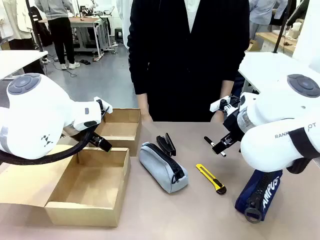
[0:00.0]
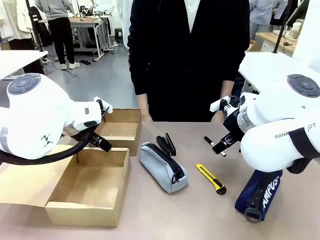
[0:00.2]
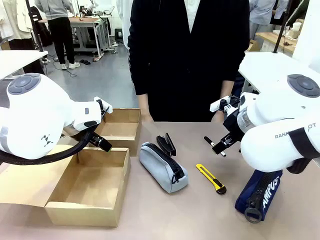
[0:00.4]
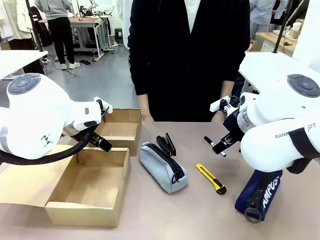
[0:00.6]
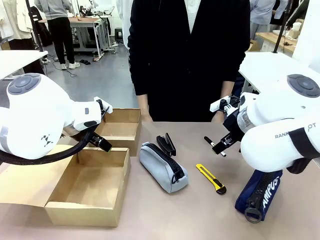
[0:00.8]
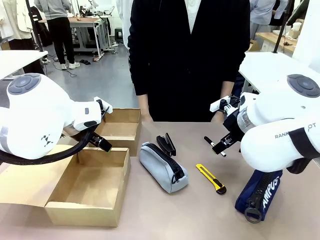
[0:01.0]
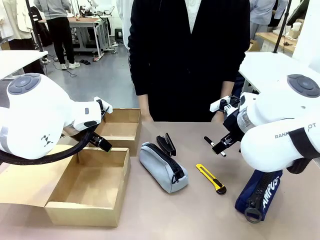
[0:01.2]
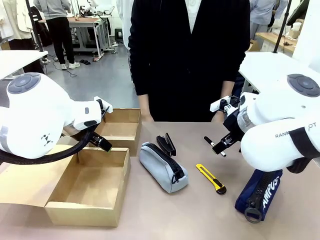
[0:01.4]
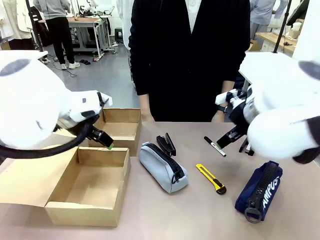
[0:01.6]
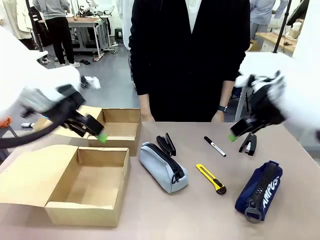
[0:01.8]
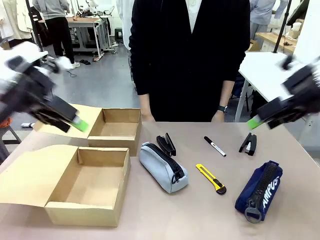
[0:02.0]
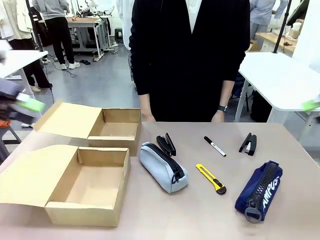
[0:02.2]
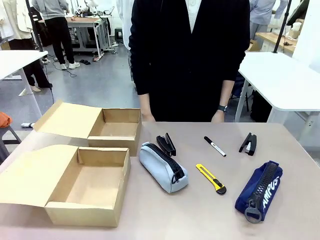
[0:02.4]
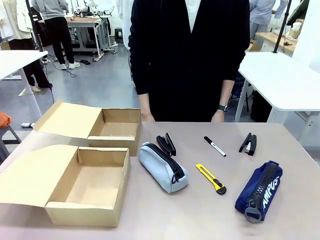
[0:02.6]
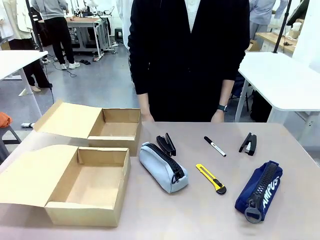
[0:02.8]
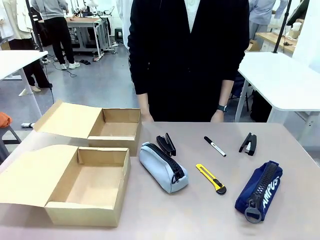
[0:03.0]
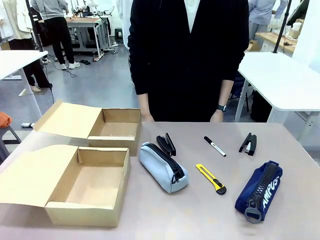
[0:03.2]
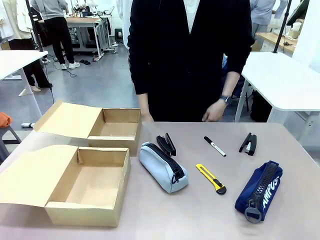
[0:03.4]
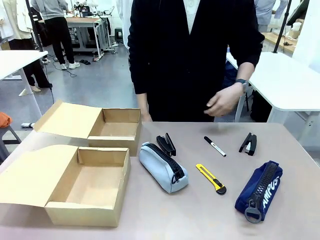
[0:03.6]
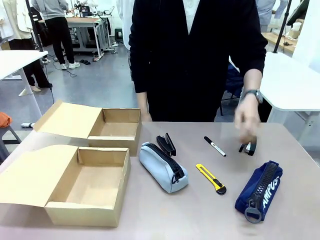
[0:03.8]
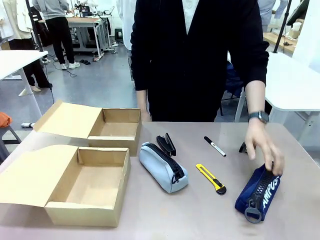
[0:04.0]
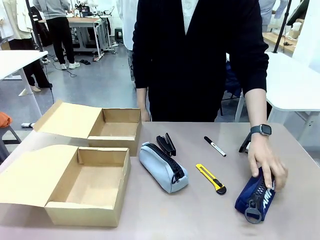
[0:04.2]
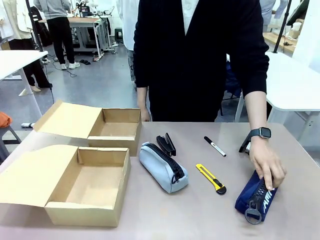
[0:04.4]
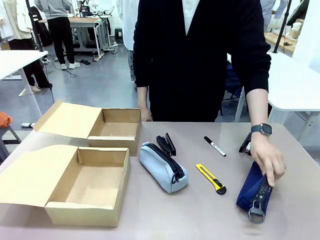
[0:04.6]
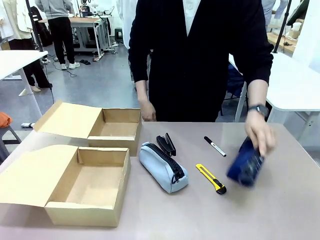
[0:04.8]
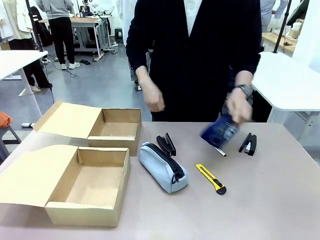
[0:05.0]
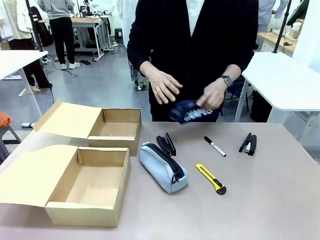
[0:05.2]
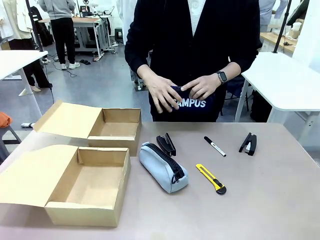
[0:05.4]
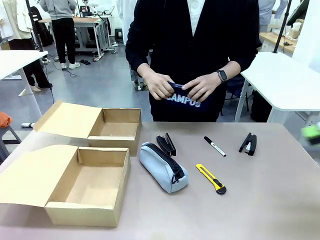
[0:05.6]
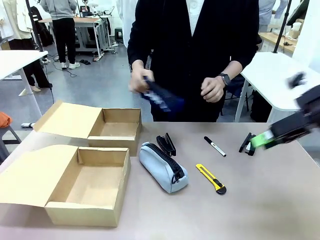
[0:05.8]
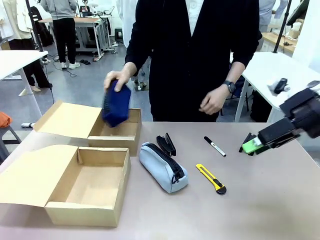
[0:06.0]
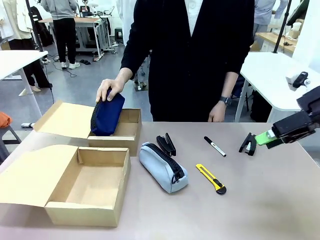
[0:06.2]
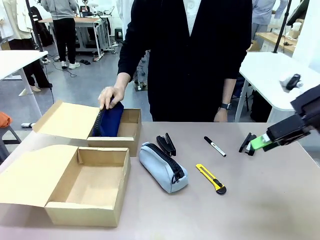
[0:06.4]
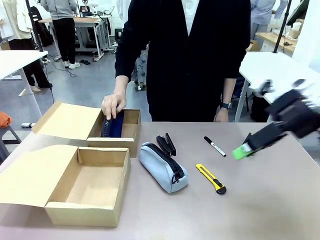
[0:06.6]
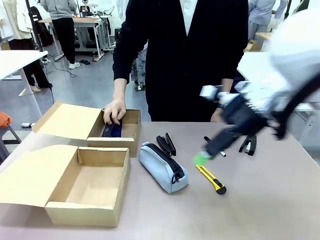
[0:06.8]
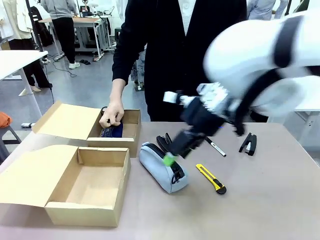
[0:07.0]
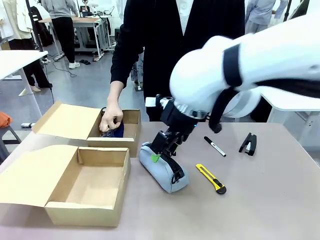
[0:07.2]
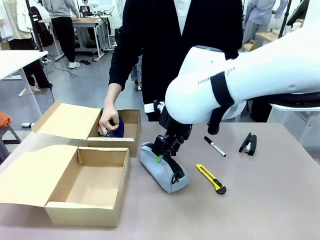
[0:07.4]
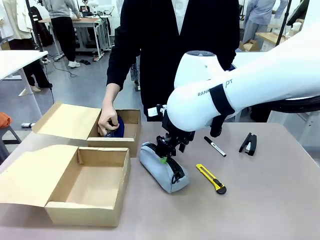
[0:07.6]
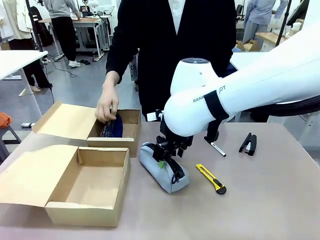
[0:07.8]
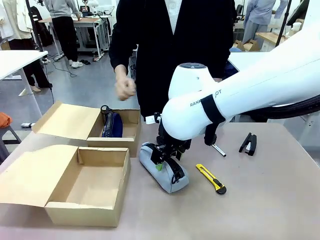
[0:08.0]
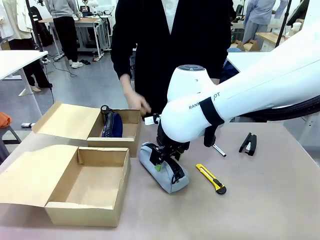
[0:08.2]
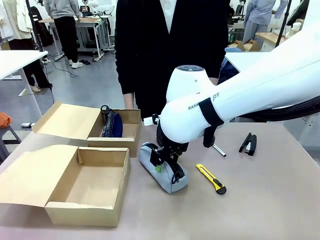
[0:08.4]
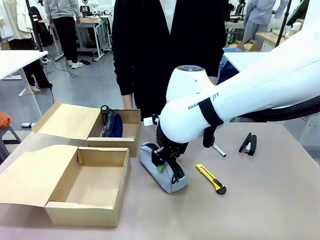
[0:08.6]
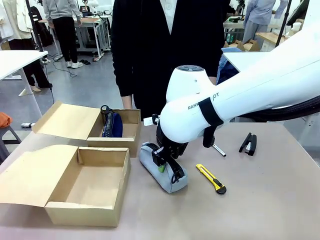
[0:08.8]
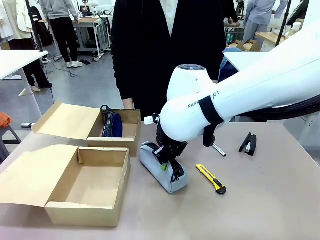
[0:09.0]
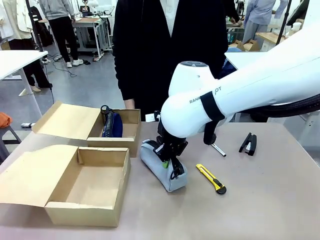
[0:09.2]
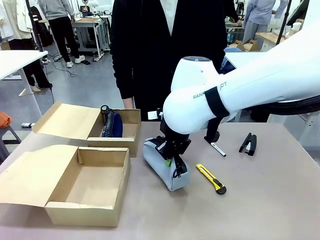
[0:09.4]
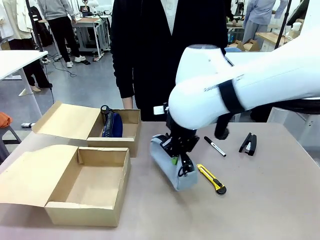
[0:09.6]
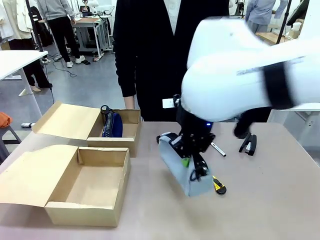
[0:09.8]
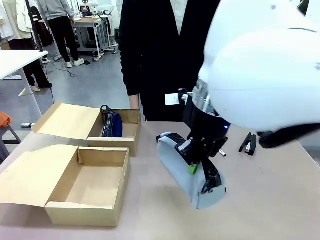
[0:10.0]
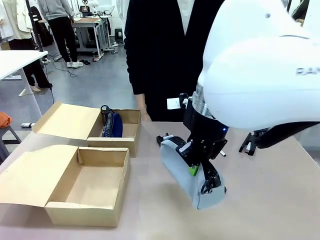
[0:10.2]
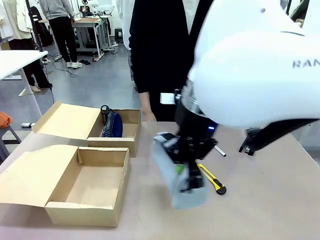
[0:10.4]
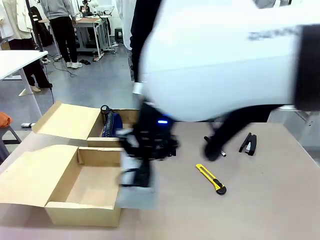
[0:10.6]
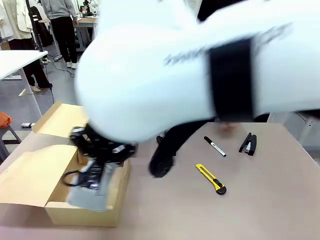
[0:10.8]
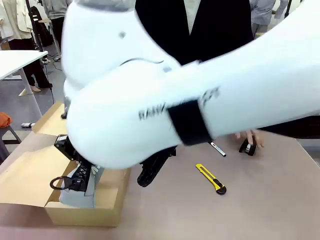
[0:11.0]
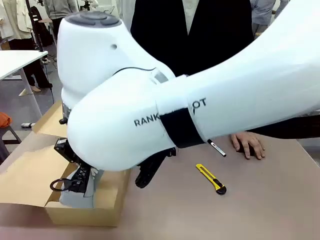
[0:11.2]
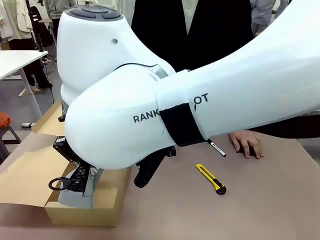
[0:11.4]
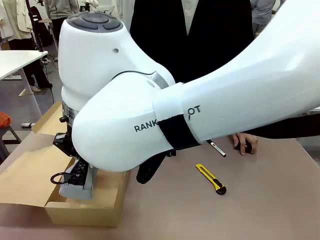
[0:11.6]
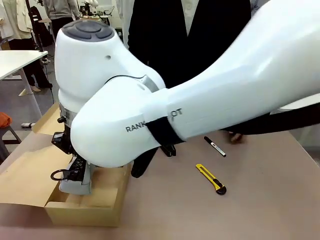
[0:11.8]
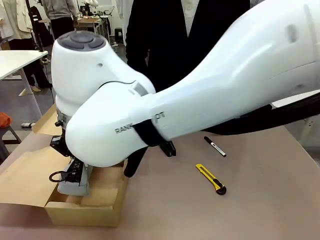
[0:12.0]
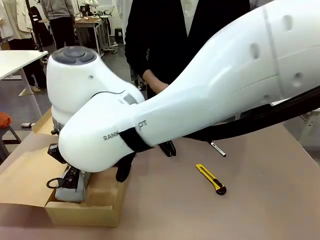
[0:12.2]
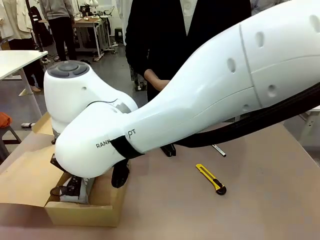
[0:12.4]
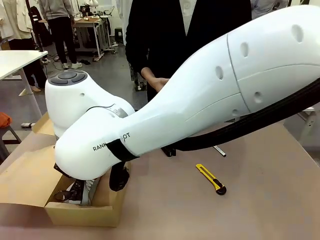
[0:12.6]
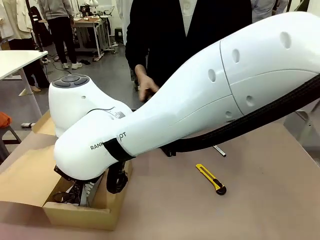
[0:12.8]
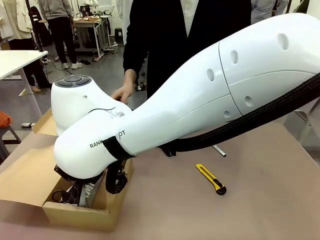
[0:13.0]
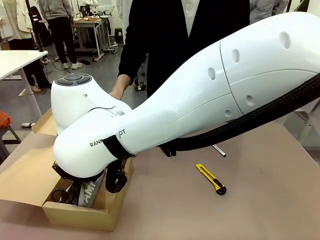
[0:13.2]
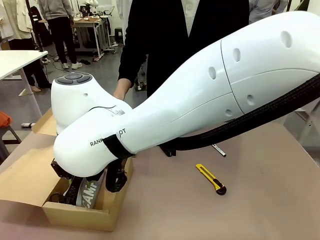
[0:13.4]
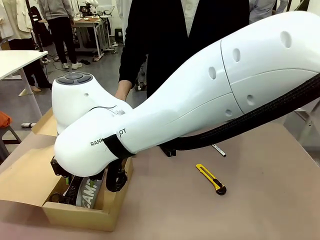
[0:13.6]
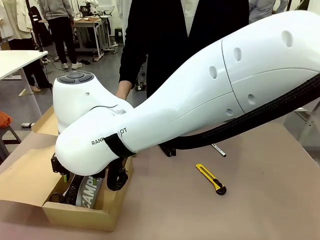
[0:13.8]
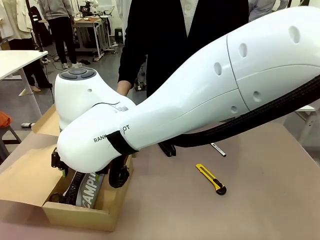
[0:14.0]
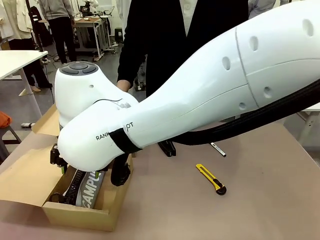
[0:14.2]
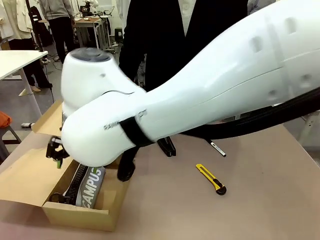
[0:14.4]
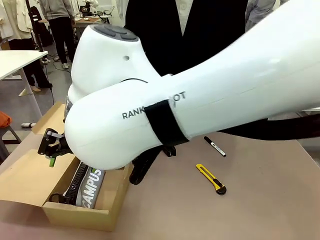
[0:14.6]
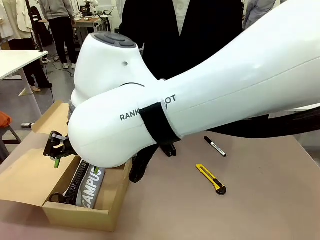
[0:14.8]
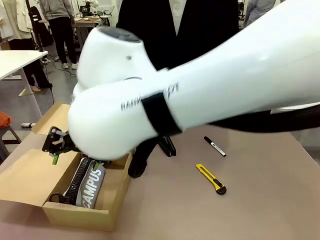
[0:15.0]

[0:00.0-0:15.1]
Task: Place items inside the box.
Robot: Pick up a Pencil pouch or Stapler and place it inside the Mailer Box closest to the robot.
Person: Pick up an object on the table and put it in the box.
